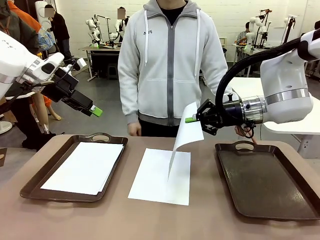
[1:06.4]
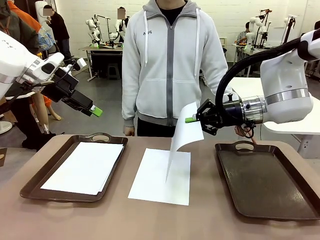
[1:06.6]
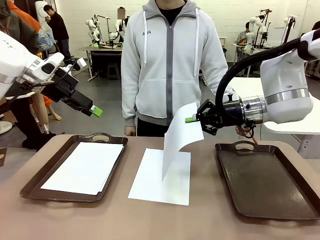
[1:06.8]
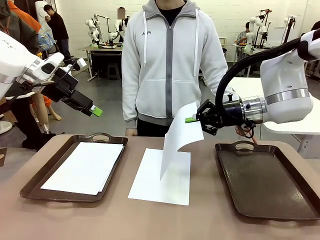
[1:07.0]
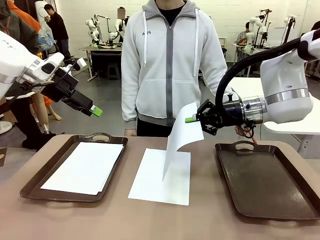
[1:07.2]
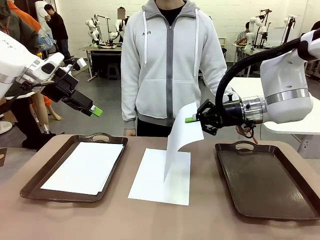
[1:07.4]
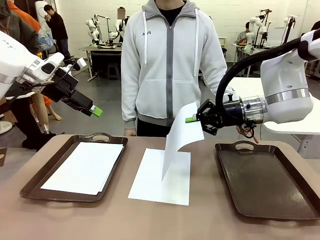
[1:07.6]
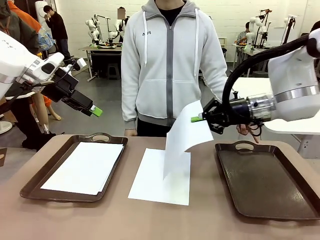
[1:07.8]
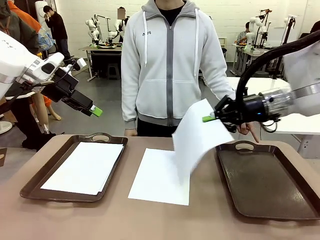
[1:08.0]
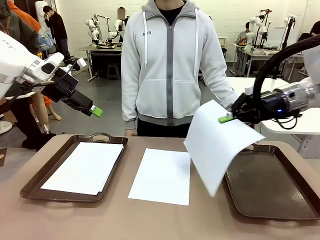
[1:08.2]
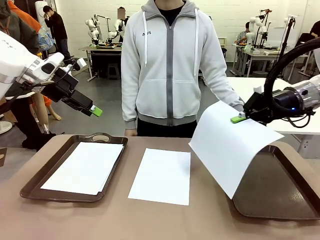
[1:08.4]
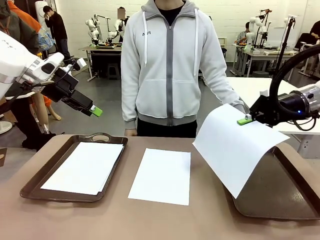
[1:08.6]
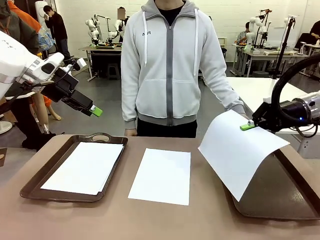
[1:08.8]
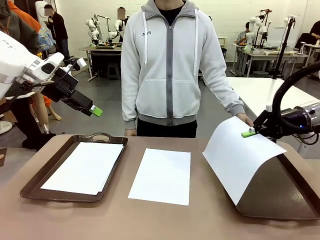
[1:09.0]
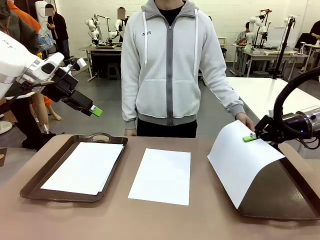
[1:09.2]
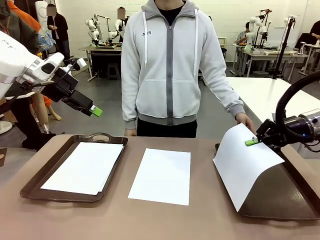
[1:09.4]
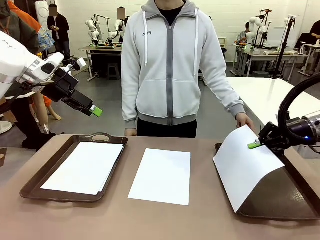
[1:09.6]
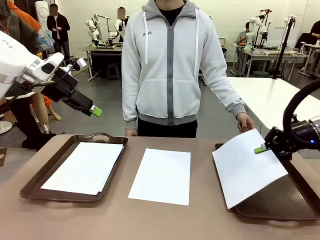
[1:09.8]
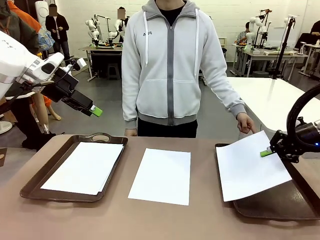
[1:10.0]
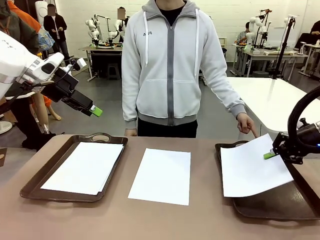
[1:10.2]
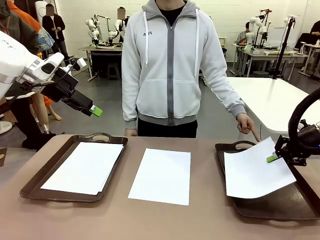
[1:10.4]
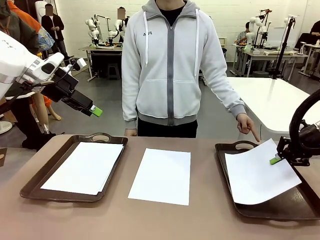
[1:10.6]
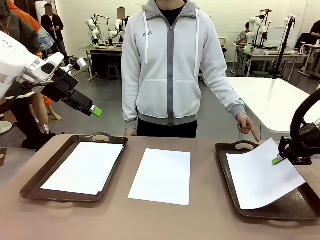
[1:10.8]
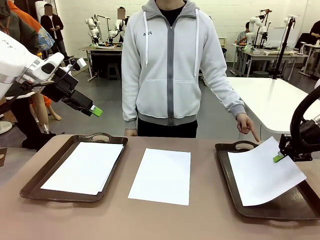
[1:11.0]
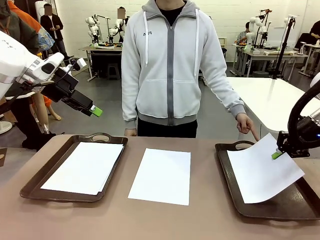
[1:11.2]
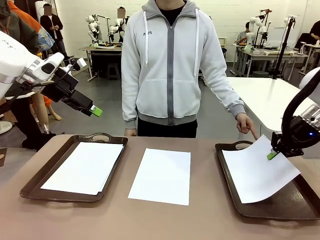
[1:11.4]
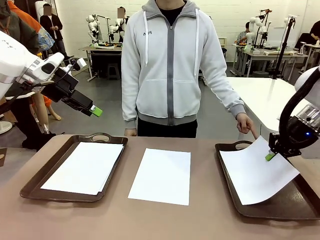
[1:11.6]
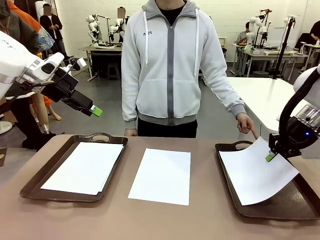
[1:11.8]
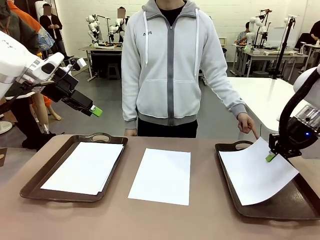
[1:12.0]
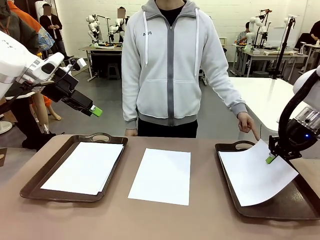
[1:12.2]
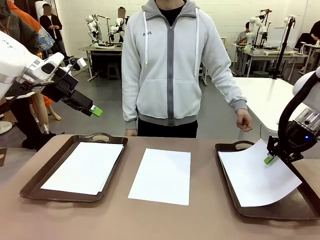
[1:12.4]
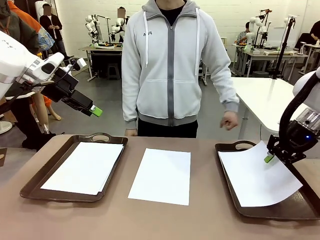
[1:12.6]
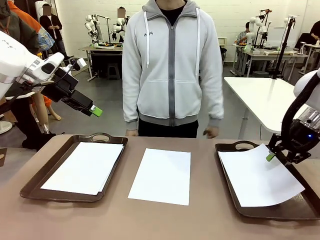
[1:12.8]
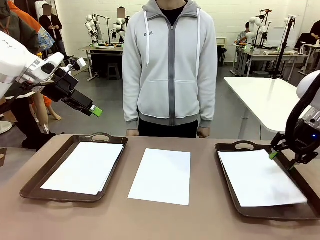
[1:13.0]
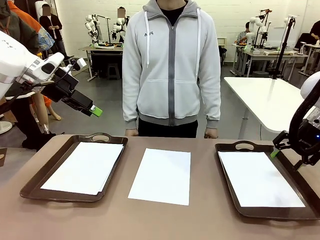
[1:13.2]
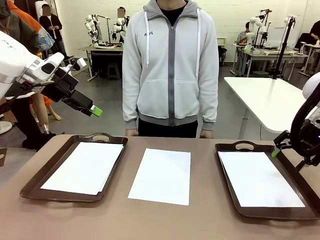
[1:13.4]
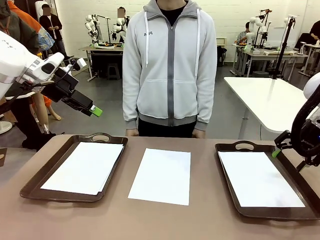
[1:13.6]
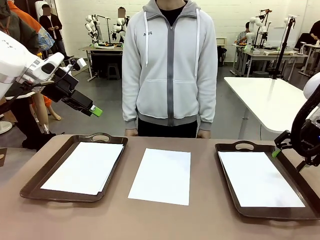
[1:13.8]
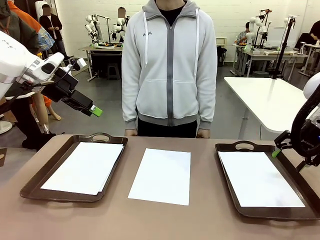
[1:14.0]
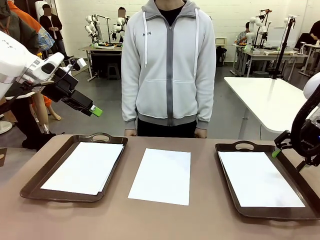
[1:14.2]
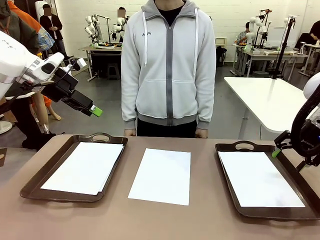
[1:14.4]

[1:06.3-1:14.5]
Task: Sort the A4 documents.
Robot: Place the A4 Paper in the designated Handle tray.

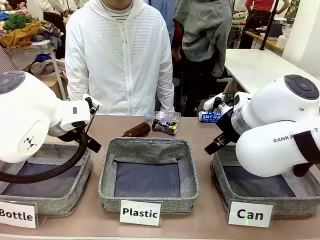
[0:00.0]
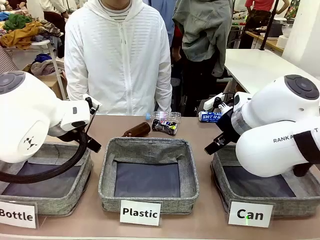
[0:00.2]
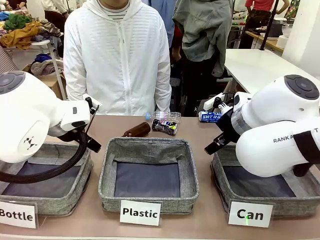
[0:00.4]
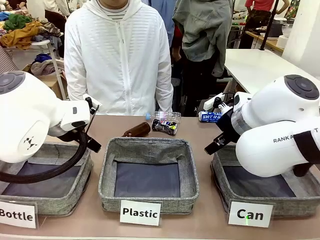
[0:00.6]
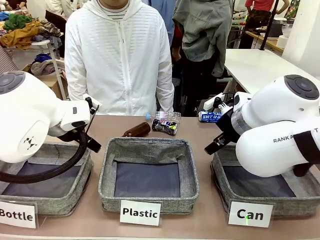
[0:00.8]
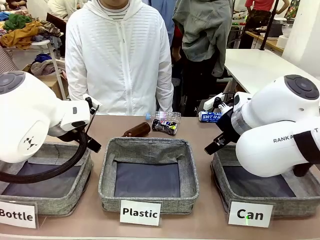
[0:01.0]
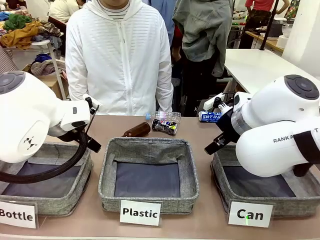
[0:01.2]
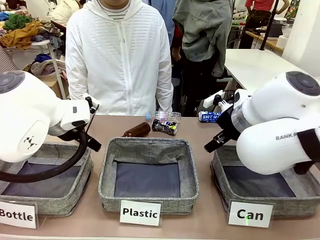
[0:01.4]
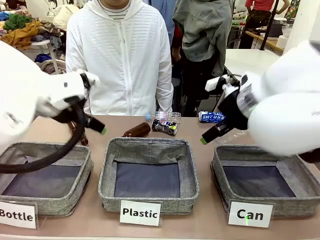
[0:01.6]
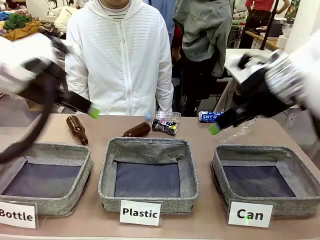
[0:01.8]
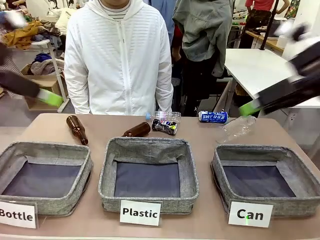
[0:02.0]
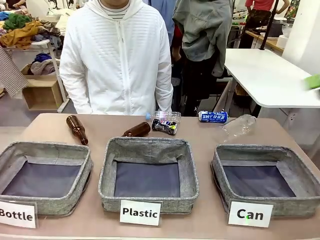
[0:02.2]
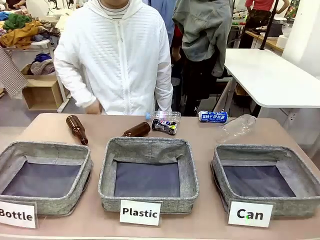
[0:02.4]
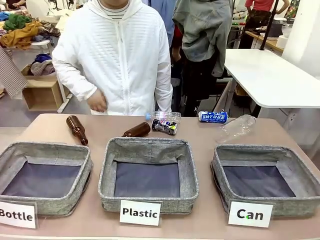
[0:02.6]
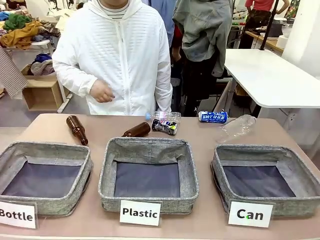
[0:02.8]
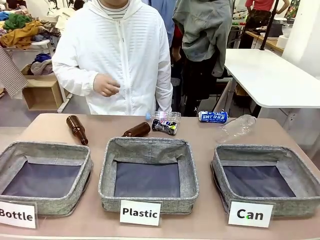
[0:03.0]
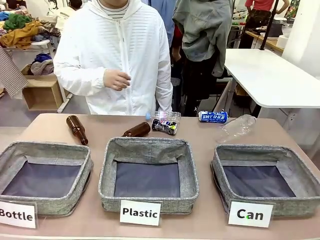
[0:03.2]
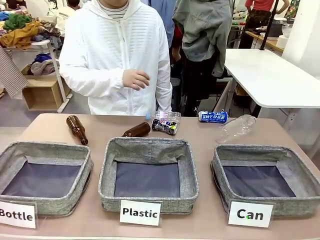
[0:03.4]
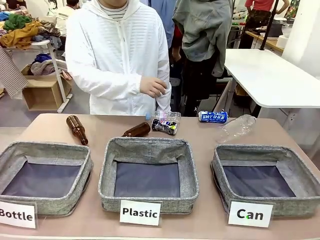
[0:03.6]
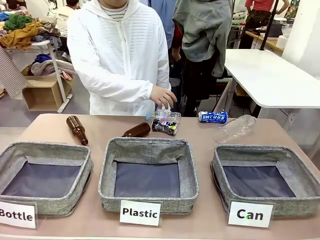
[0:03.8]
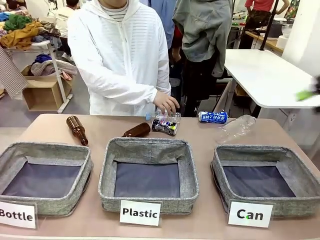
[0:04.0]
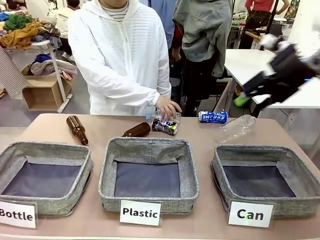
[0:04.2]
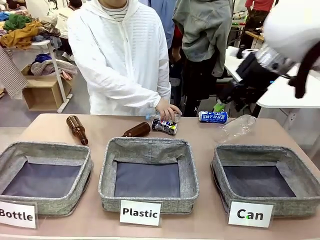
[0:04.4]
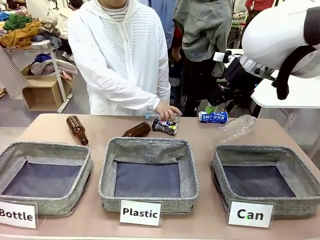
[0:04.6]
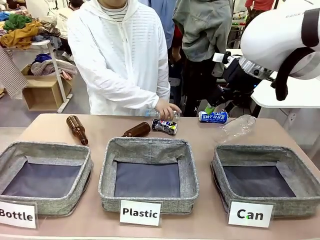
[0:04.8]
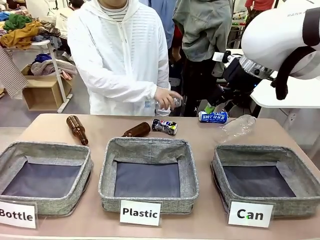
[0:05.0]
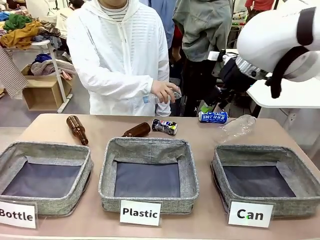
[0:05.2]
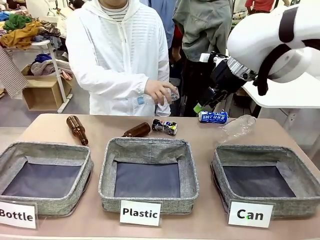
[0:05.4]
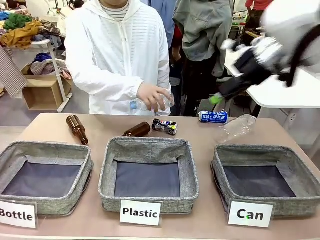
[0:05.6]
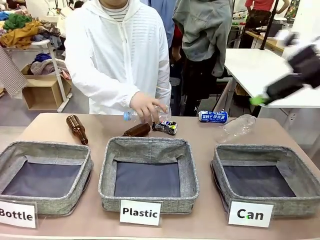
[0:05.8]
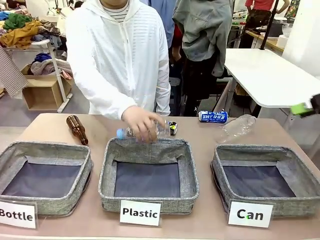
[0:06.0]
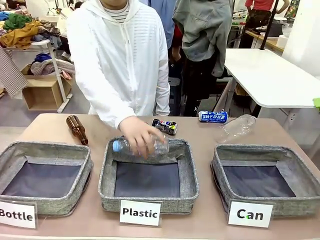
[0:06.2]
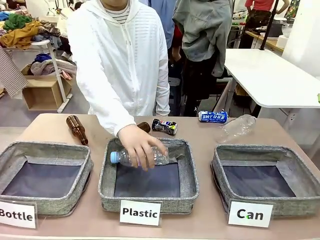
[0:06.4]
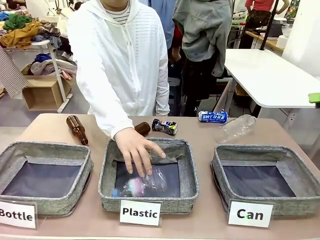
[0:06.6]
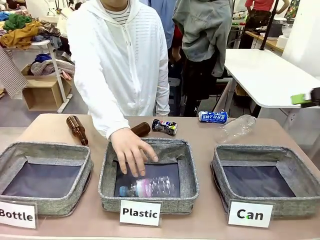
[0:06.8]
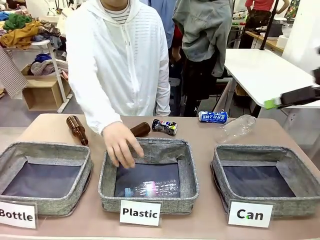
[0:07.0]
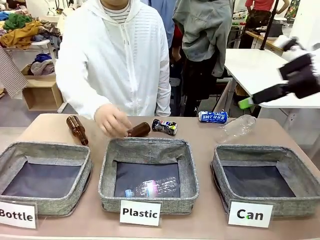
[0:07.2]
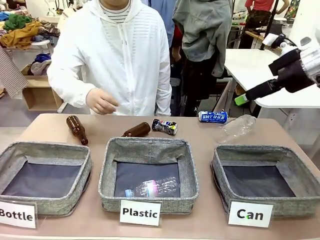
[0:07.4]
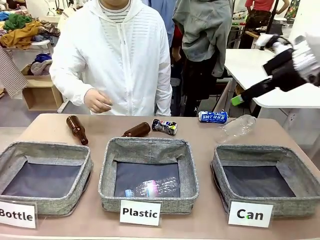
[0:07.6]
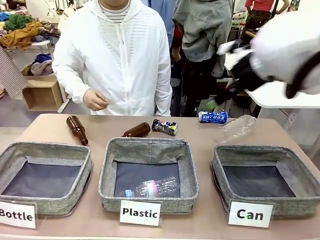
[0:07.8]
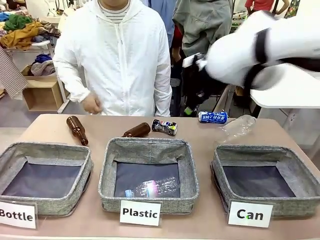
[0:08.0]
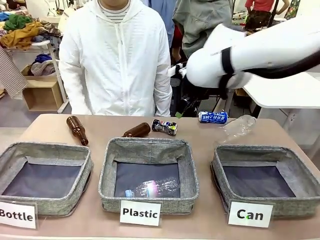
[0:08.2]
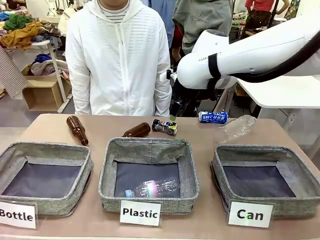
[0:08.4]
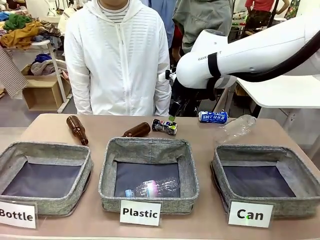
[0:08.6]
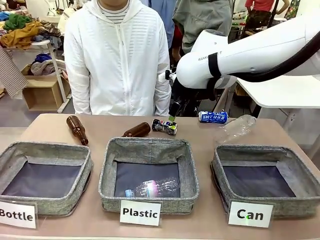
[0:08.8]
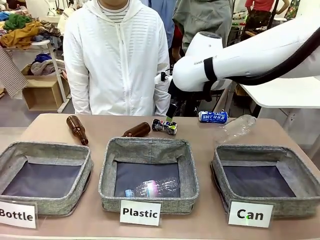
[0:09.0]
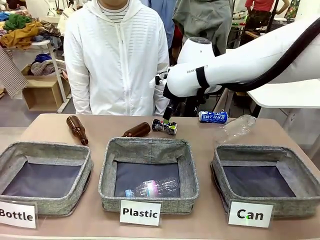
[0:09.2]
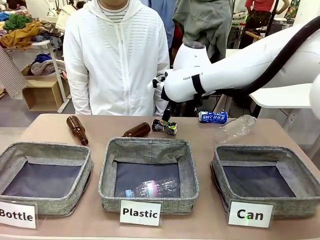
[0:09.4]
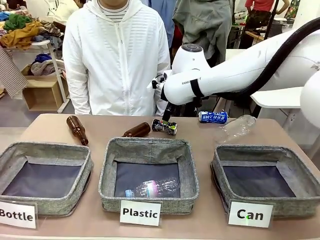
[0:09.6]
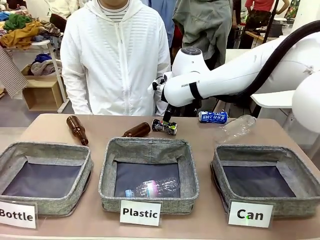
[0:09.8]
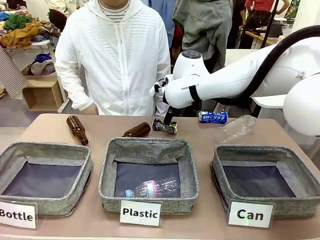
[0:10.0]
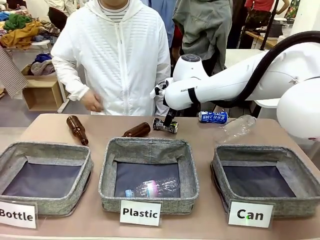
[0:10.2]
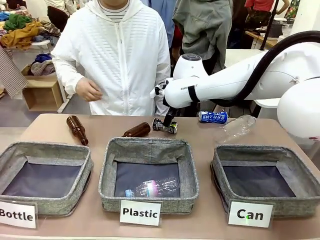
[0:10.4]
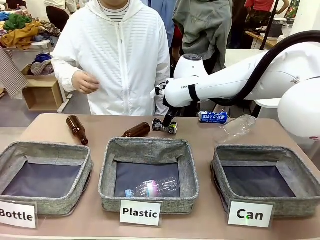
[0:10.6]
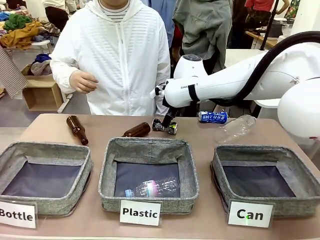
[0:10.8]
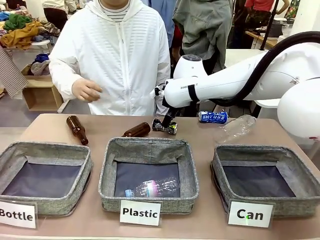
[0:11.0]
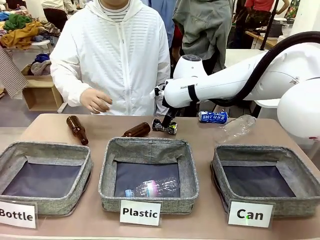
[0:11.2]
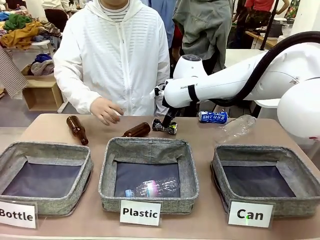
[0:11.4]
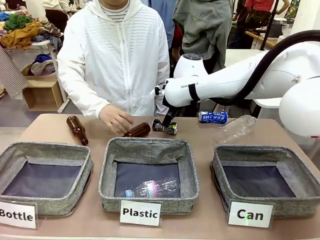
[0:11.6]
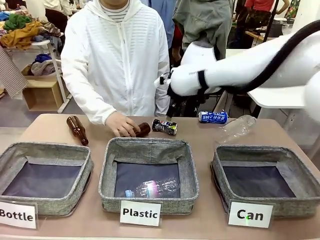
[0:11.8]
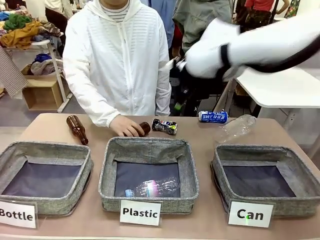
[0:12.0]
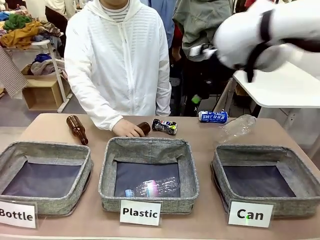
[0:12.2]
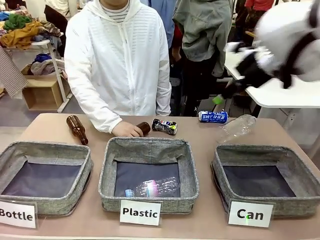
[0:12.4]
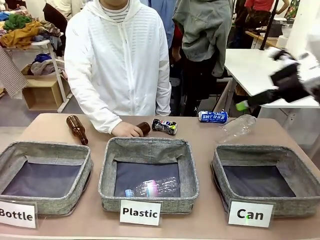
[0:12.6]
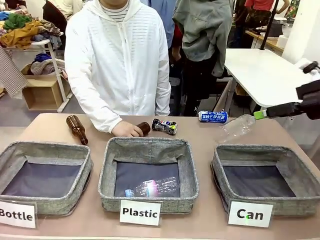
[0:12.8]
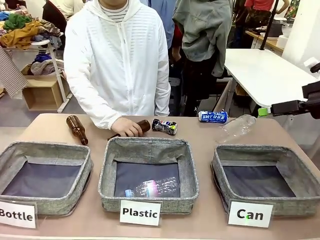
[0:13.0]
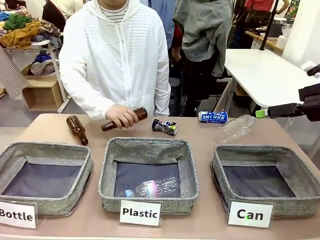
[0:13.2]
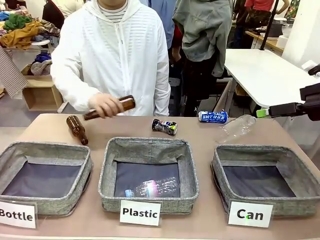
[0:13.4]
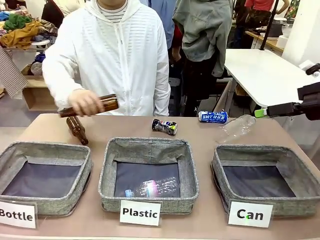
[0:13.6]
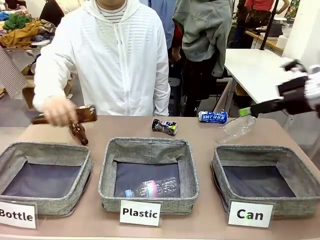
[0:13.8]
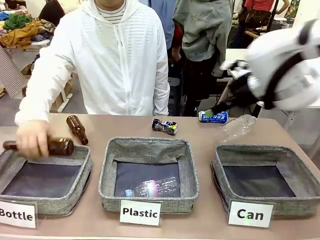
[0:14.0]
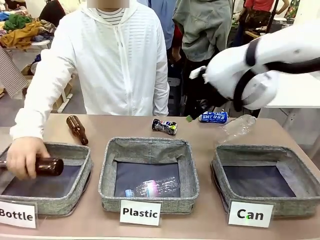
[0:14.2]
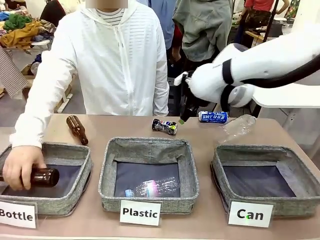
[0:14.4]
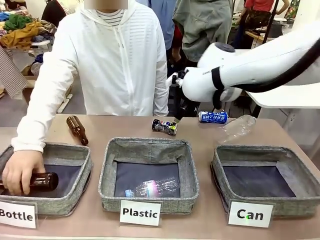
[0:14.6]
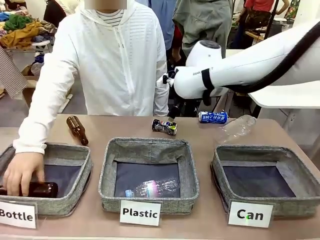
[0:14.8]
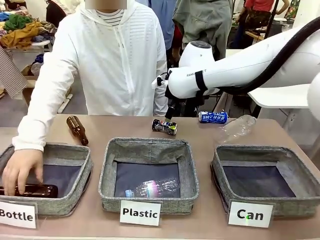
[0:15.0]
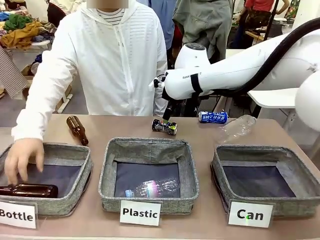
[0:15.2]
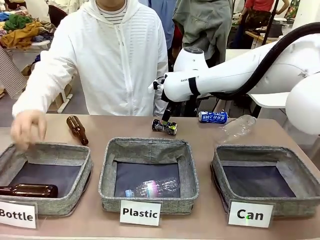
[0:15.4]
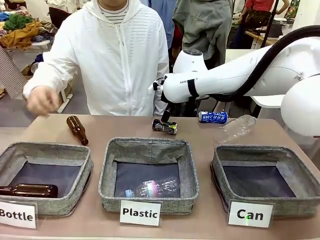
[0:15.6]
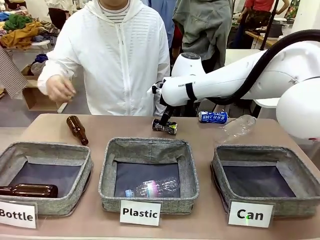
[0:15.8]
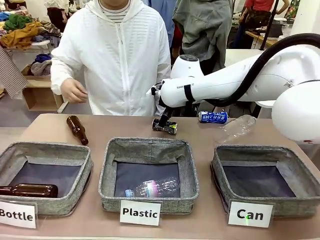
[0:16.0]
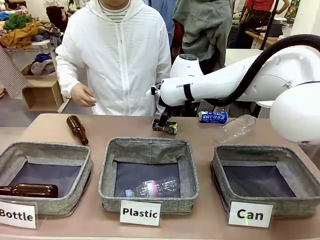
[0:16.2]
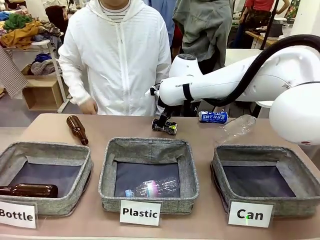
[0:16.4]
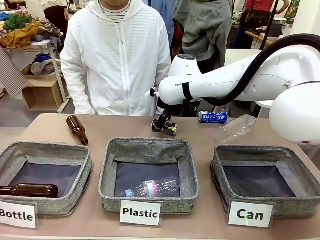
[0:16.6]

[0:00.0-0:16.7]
Task: Sort the can waste into the basket.
Robot: Pick up the can waste from the table and place it in the right Fabric basket.
